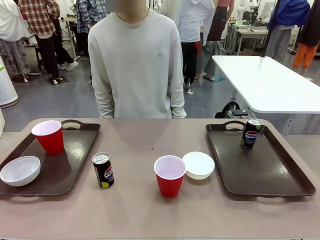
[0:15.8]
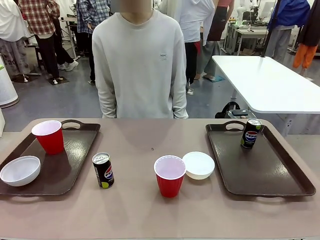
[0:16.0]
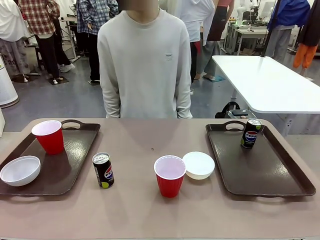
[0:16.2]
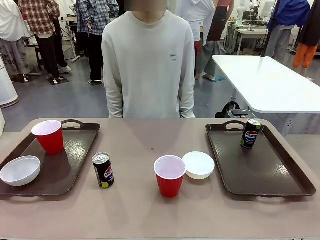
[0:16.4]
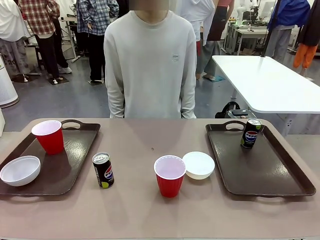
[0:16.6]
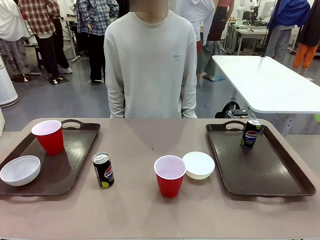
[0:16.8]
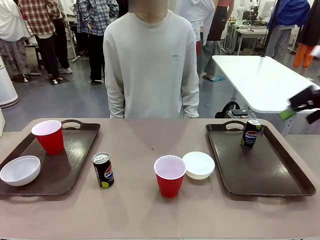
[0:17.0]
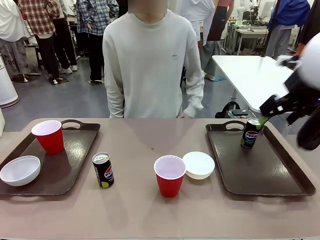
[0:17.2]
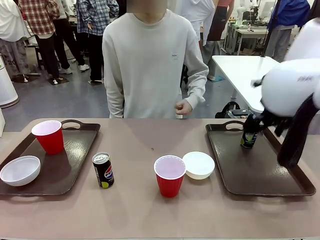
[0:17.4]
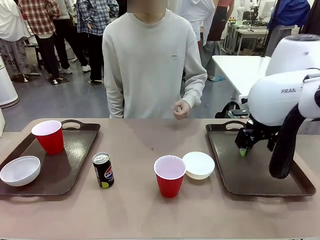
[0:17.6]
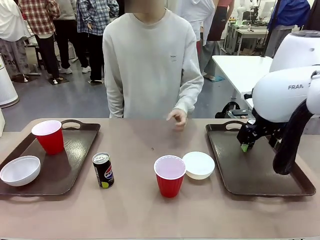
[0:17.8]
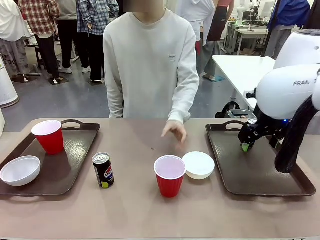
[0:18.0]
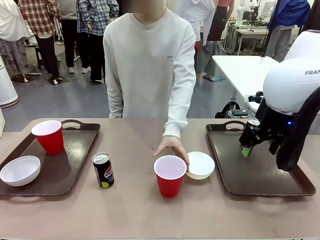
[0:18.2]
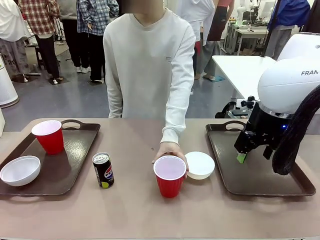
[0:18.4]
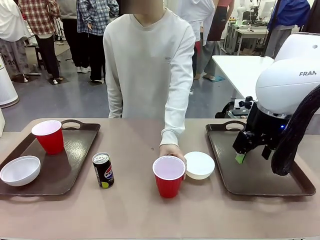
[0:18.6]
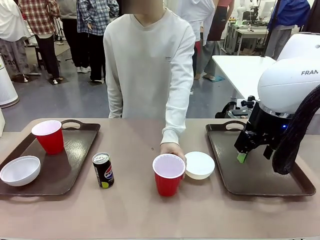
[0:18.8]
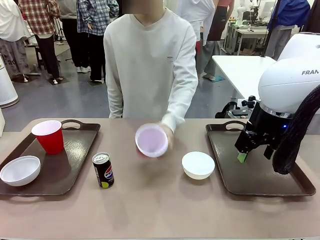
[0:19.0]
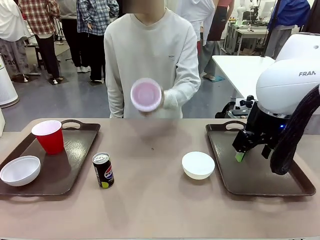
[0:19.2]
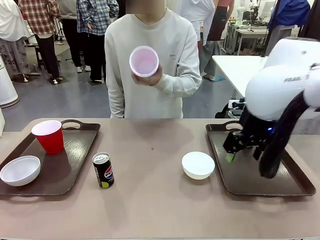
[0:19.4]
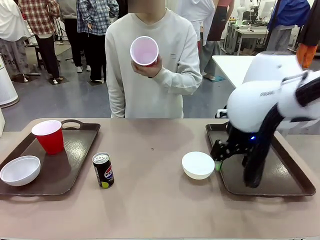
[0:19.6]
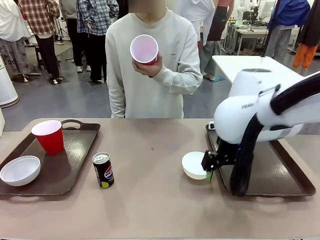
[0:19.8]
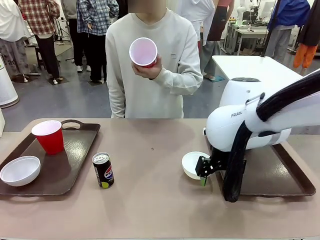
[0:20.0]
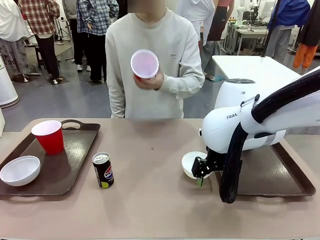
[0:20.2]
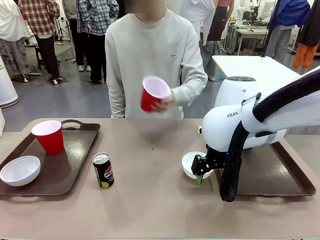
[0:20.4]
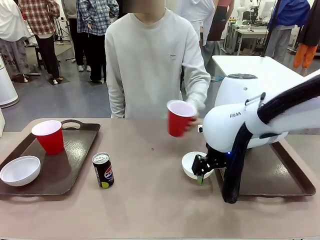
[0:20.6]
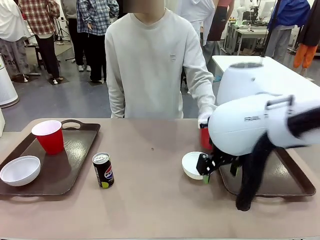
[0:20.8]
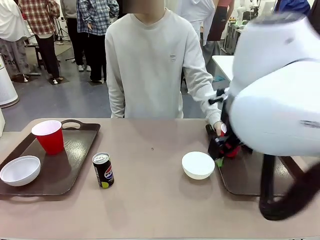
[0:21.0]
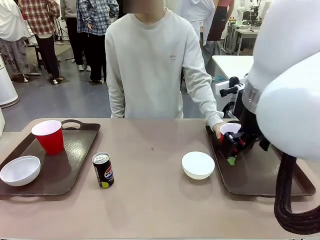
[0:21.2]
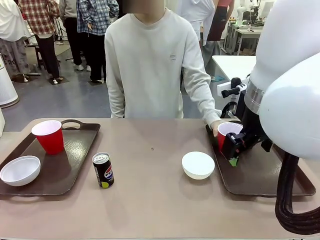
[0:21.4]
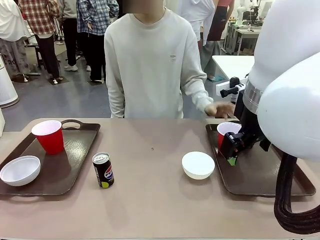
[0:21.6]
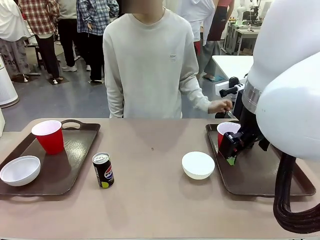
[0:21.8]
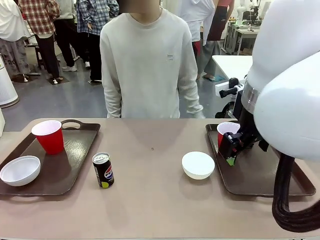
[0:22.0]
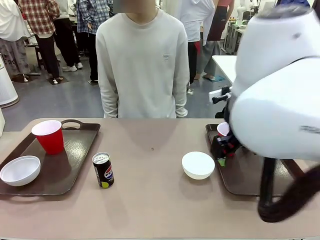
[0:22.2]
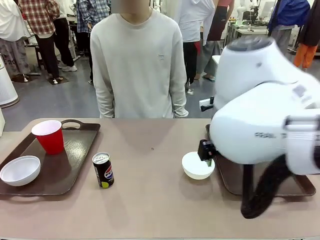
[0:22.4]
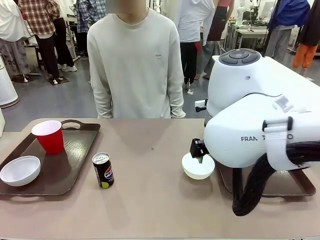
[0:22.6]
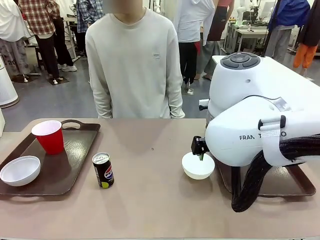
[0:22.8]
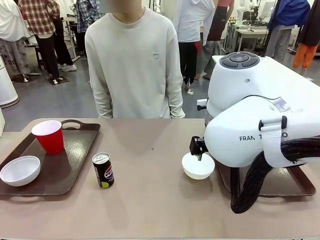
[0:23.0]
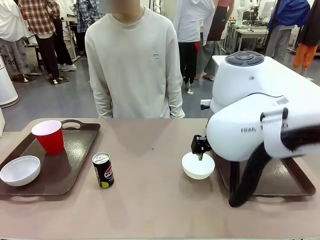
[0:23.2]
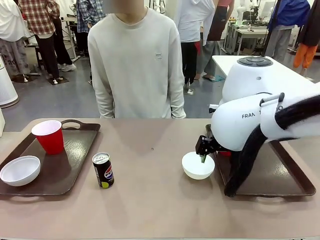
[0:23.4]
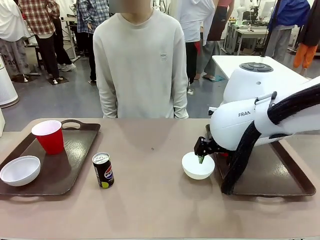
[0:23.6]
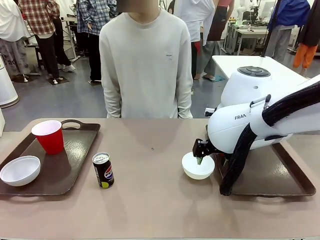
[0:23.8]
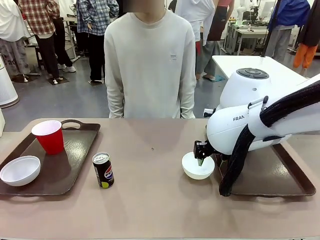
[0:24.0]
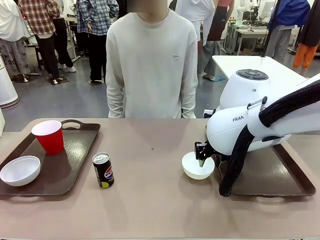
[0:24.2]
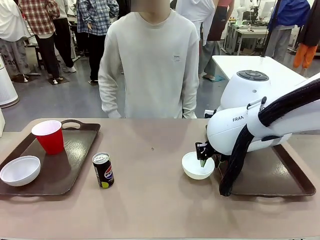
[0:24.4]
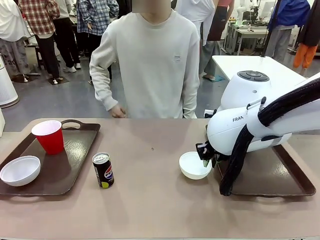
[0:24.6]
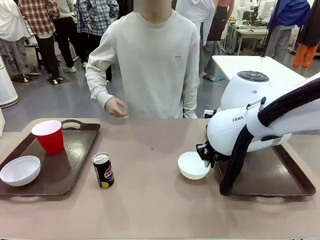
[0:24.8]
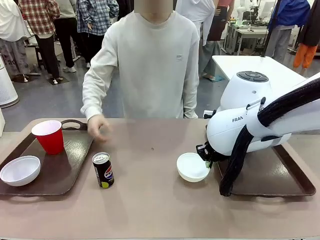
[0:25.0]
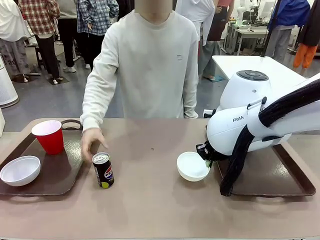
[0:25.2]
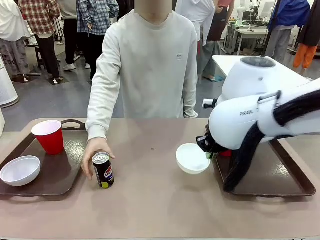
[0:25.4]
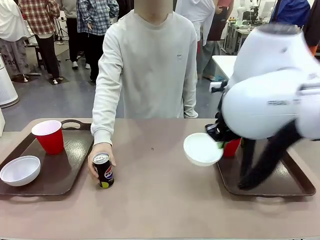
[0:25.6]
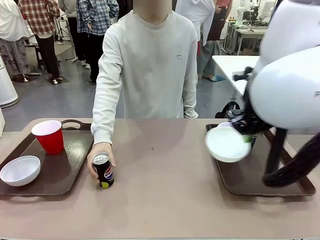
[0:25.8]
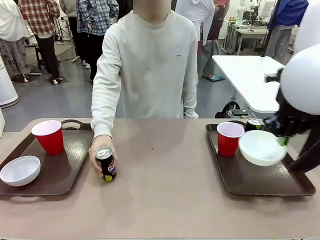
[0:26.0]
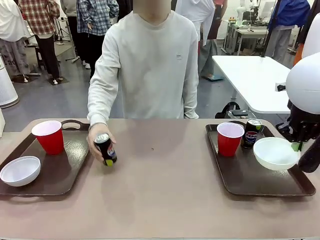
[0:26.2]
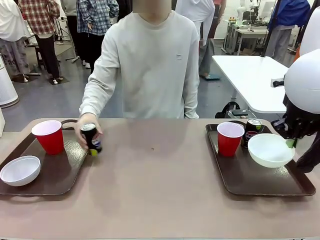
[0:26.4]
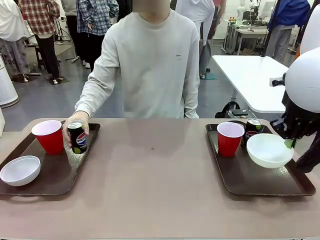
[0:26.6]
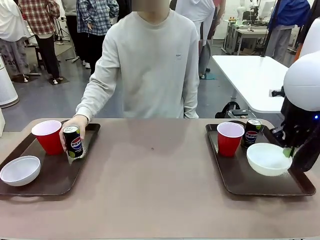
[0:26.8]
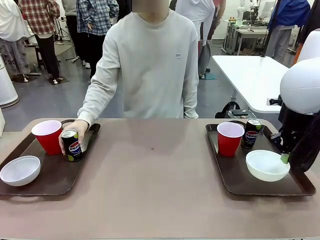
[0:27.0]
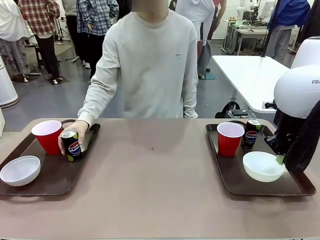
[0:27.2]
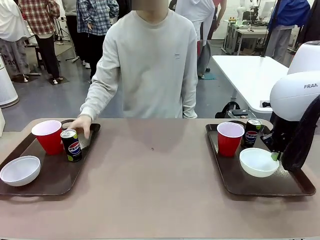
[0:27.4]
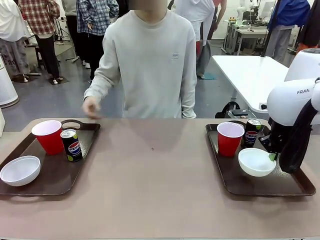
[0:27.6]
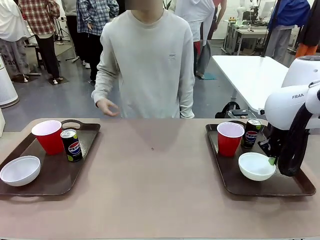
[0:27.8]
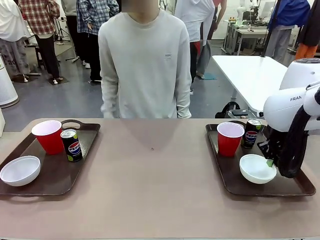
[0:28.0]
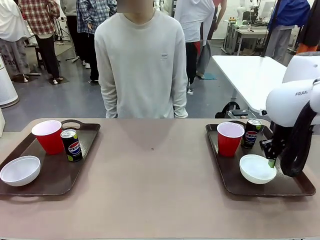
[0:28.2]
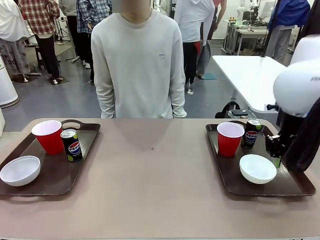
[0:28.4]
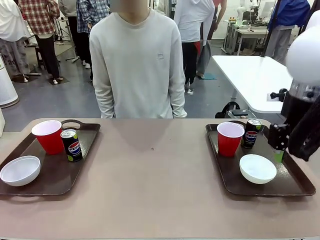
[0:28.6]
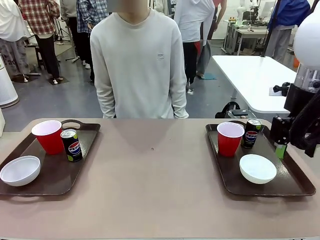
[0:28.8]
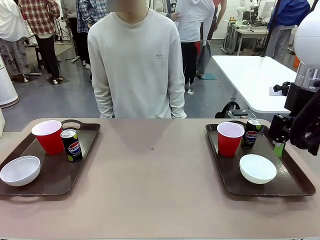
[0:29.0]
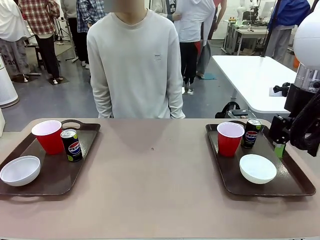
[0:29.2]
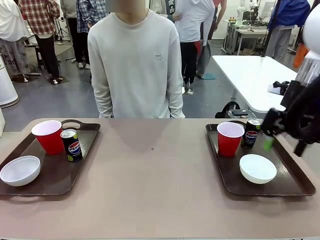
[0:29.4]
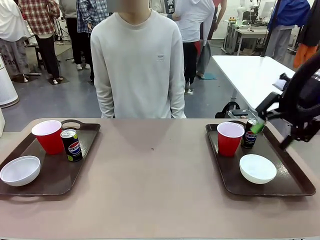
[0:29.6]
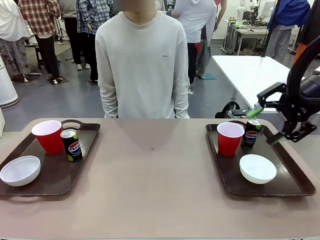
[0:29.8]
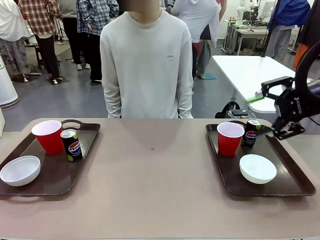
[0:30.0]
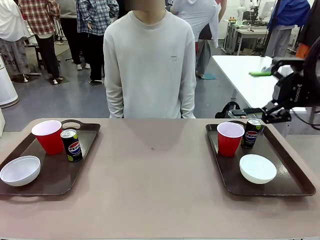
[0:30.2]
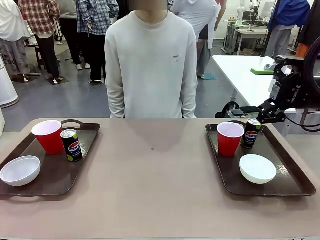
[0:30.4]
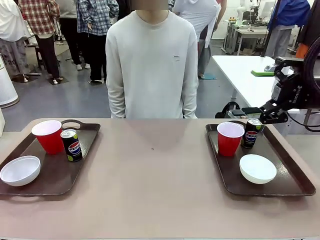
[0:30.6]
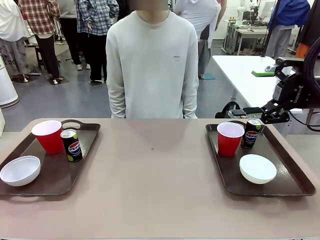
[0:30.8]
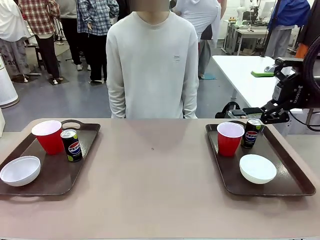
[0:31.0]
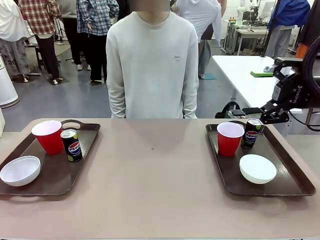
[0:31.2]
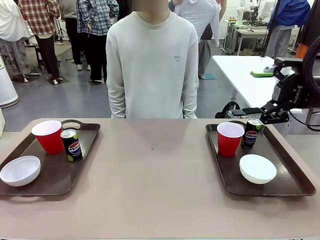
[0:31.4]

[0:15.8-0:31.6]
Task: Prepare tableware on both trays.
Robot: Pick up a Picnic Bowl from the table and place it on a Handle tray.
Person: Pick up a can or cup and place it on the tray without a can or cup.

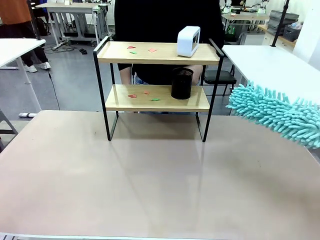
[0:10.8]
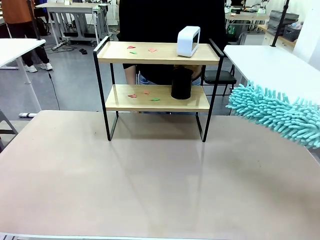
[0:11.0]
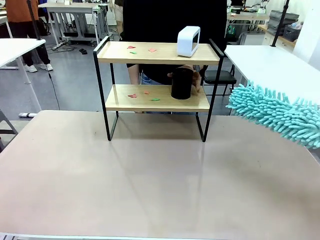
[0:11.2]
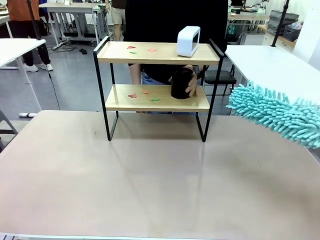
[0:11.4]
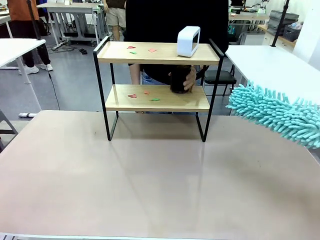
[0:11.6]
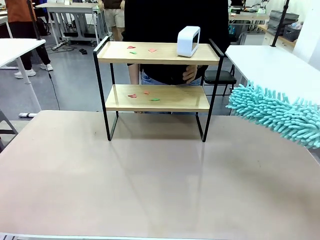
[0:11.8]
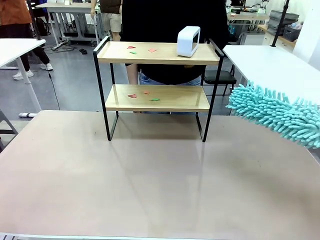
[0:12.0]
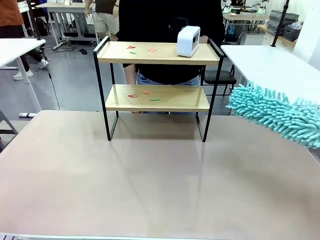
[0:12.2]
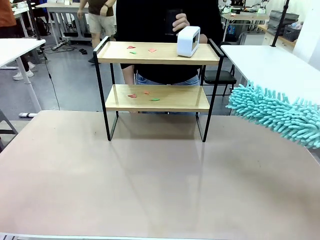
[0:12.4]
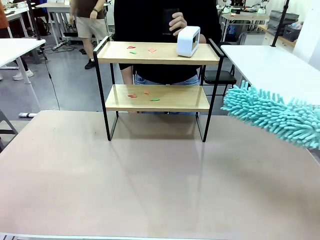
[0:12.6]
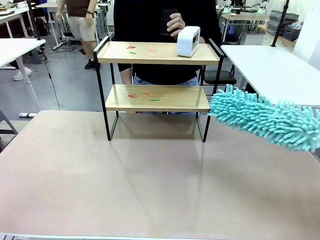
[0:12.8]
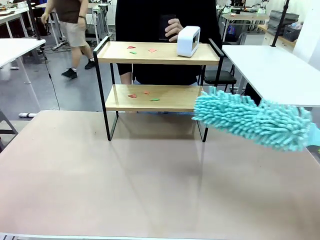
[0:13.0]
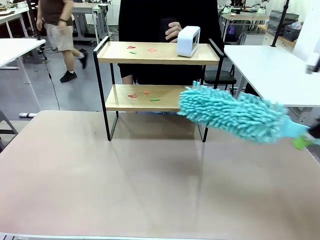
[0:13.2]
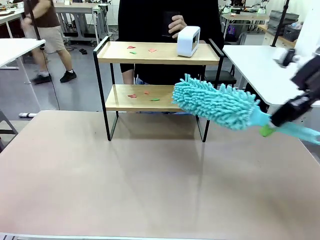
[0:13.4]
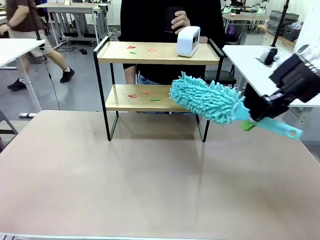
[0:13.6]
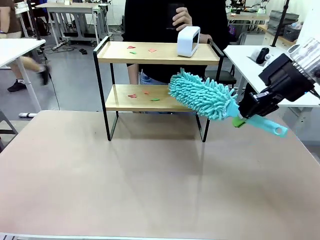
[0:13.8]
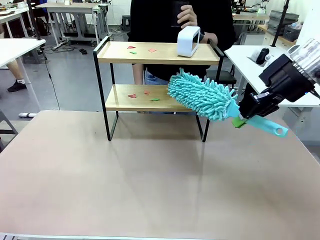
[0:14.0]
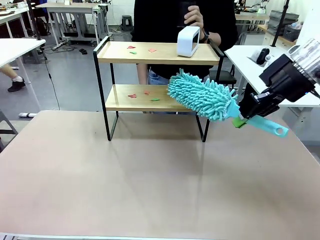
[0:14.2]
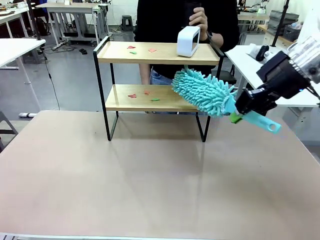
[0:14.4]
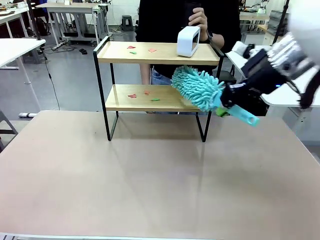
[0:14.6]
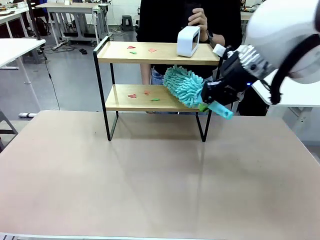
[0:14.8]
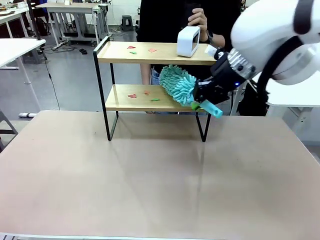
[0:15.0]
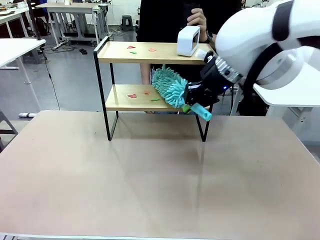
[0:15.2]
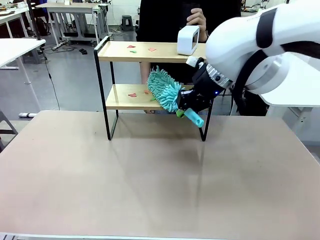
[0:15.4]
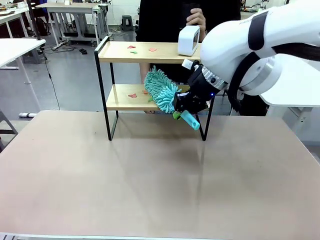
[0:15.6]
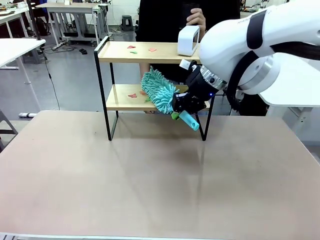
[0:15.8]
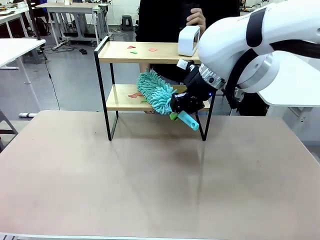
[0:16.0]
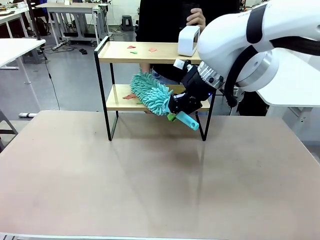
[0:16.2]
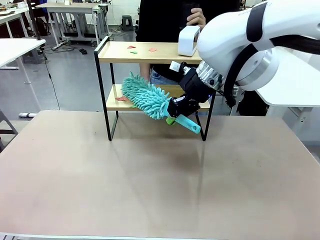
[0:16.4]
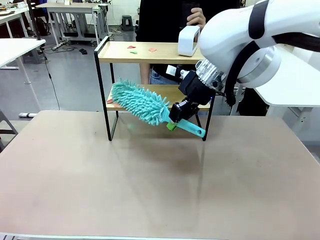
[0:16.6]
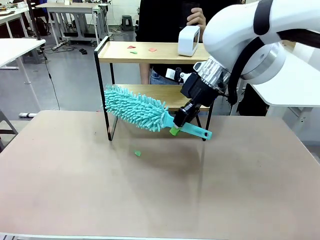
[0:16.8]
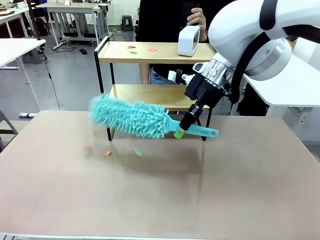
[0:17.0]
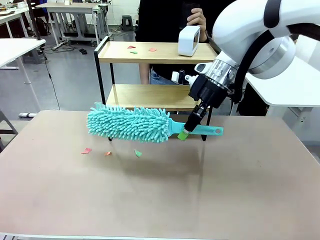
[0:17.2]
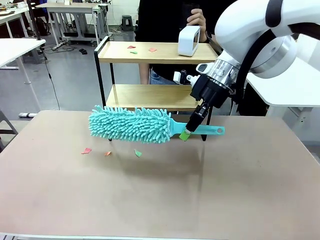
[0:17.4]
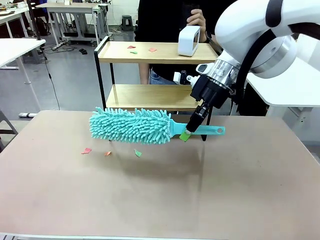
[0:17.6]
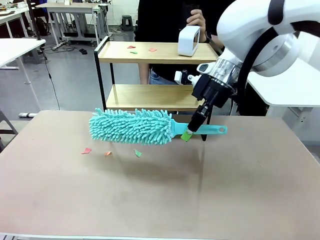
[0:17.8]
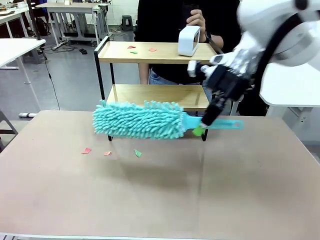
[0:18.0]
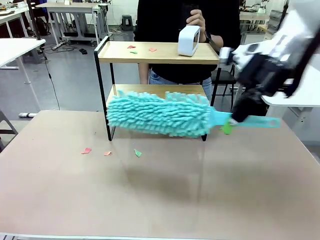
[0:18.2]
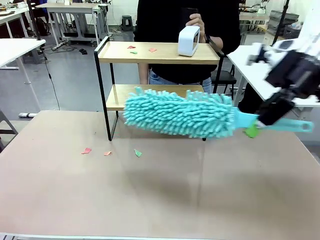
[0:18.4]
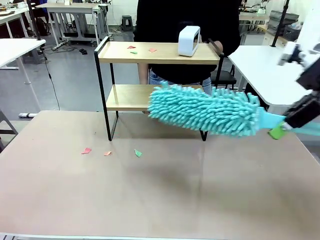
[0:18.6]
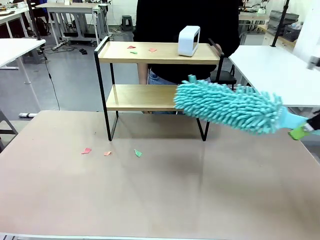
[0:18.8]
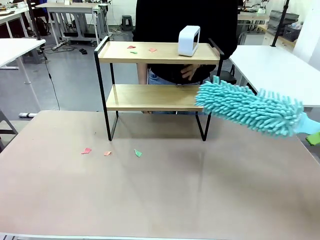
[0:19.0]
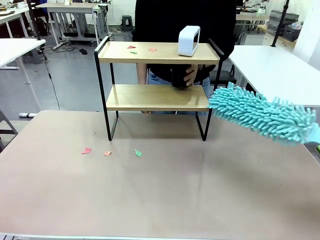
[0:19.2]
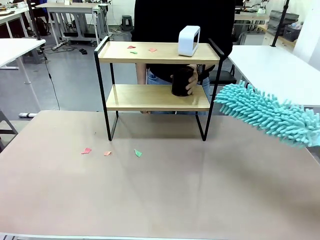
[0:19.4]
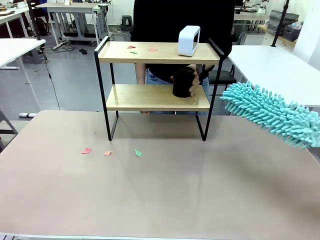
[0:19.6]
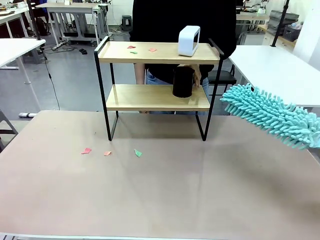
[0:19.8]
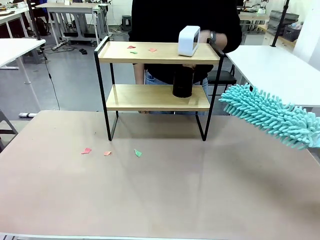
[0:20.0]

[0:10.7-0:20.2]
Task: Clean the shelf.
Robot: Clean the specific tier of the Shelf with the Duster once objects are removed.
Person: Lift the objects on a randomly selected tier of the Shelf. Once the robot finishes cleaning, lift the objects on the remaining tiers of the Shelf.
